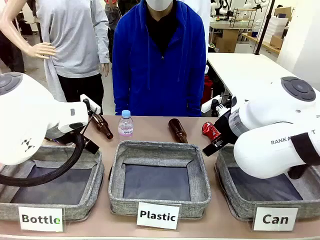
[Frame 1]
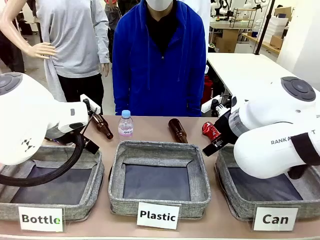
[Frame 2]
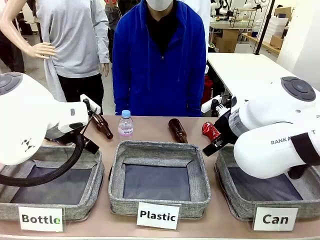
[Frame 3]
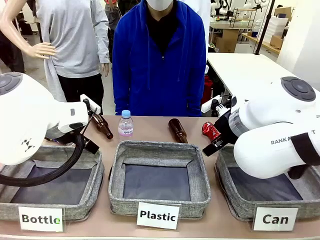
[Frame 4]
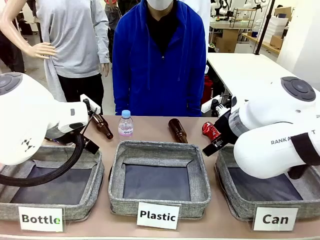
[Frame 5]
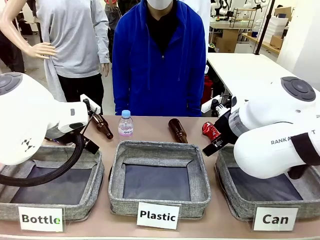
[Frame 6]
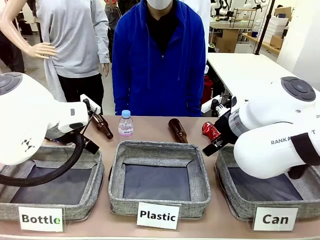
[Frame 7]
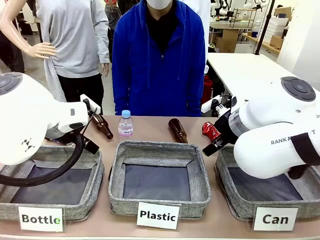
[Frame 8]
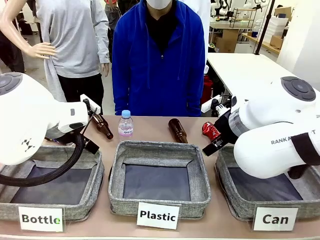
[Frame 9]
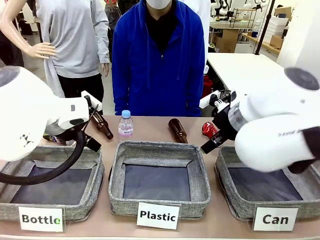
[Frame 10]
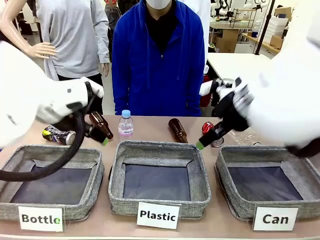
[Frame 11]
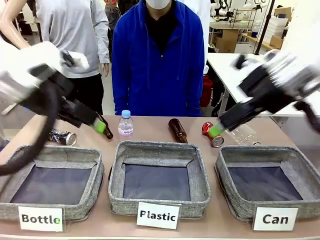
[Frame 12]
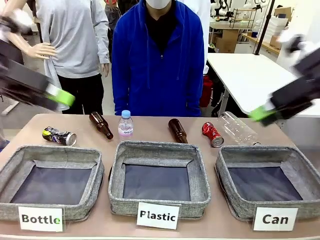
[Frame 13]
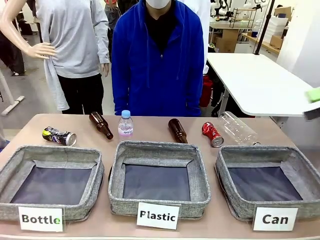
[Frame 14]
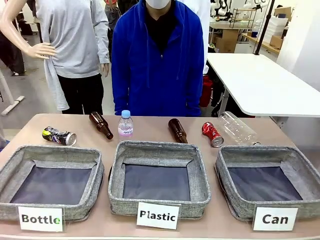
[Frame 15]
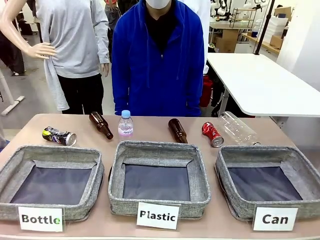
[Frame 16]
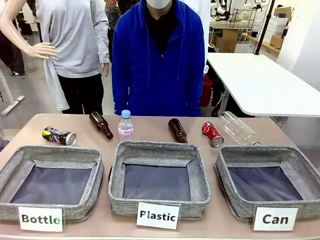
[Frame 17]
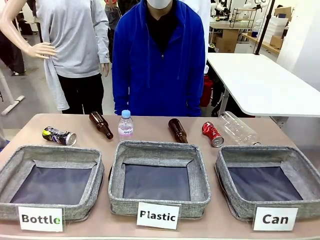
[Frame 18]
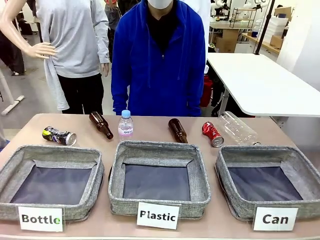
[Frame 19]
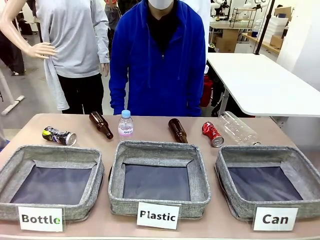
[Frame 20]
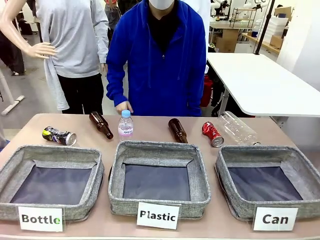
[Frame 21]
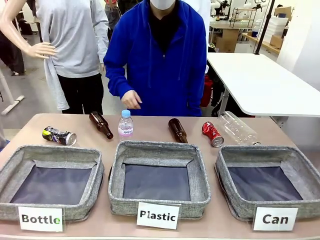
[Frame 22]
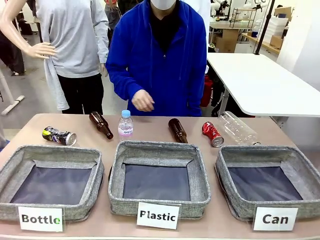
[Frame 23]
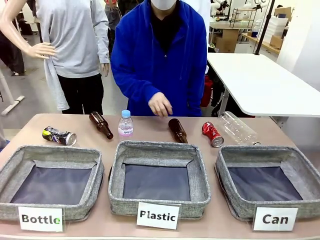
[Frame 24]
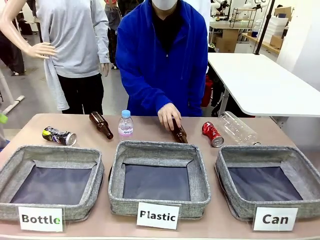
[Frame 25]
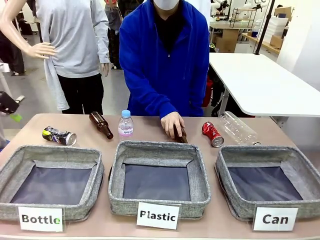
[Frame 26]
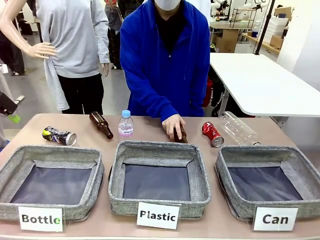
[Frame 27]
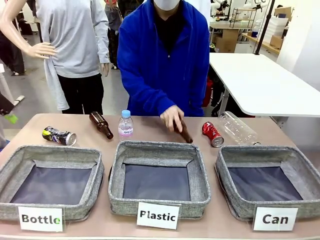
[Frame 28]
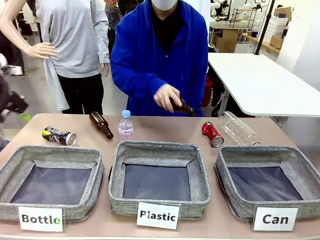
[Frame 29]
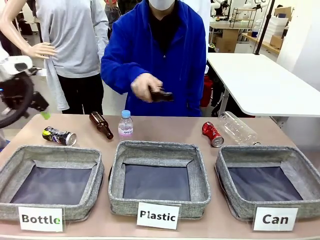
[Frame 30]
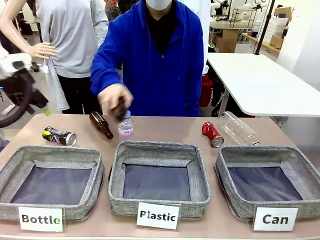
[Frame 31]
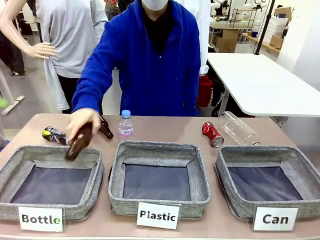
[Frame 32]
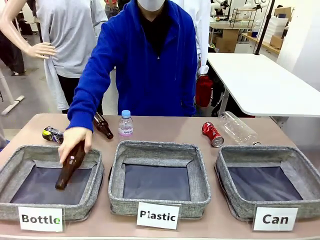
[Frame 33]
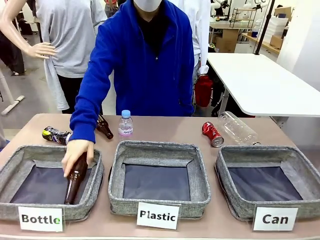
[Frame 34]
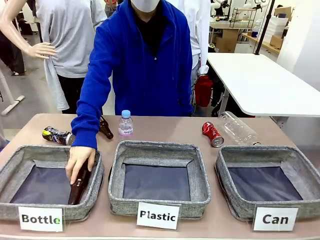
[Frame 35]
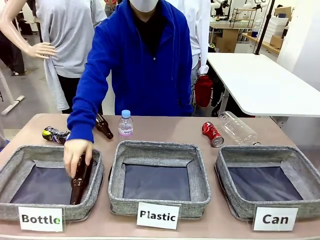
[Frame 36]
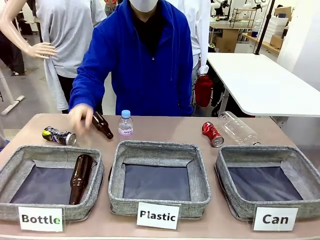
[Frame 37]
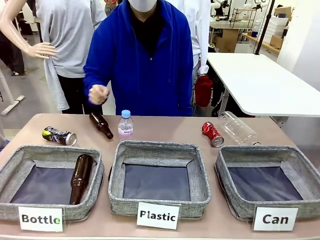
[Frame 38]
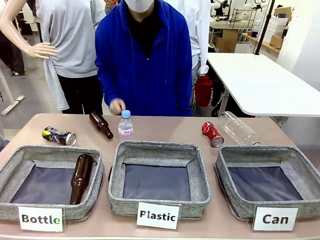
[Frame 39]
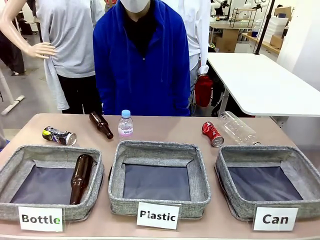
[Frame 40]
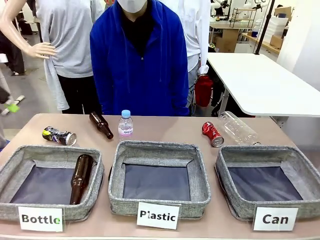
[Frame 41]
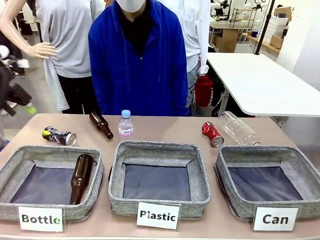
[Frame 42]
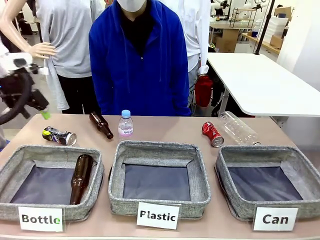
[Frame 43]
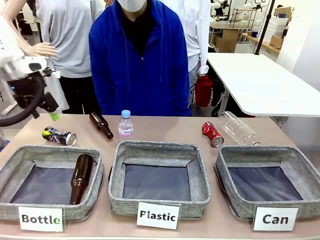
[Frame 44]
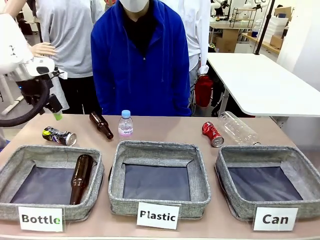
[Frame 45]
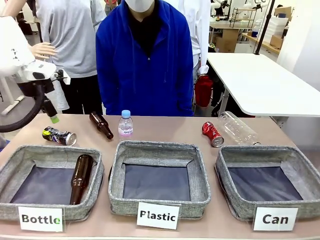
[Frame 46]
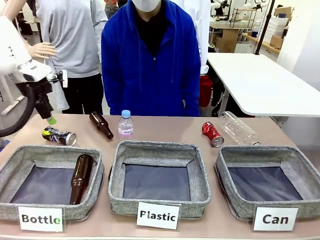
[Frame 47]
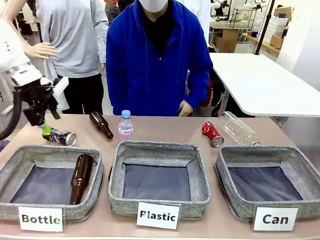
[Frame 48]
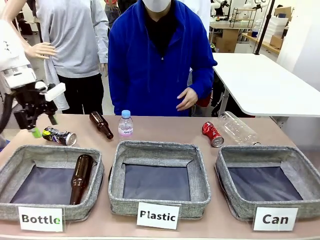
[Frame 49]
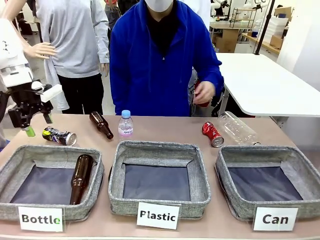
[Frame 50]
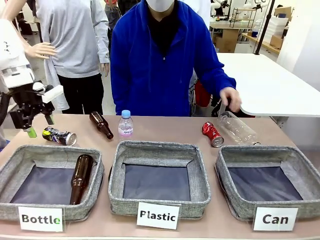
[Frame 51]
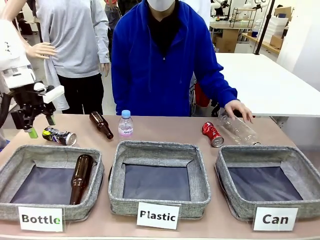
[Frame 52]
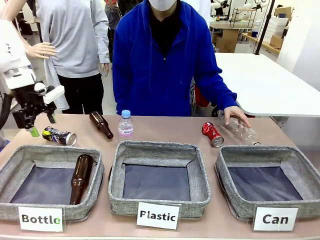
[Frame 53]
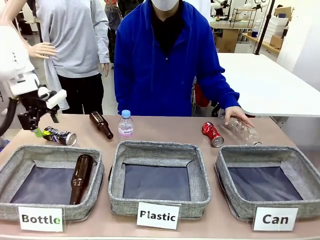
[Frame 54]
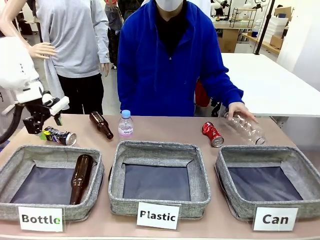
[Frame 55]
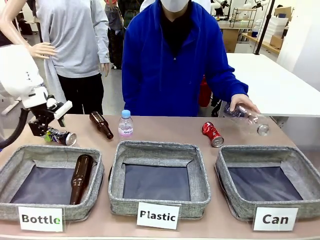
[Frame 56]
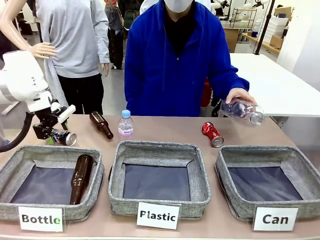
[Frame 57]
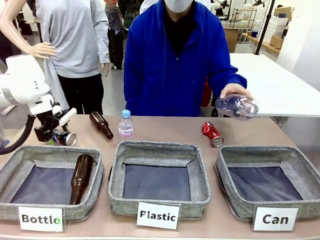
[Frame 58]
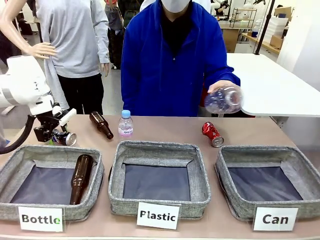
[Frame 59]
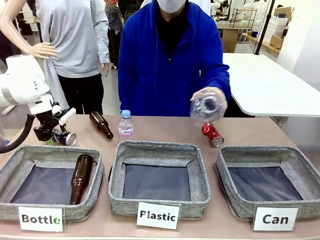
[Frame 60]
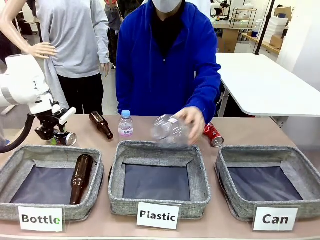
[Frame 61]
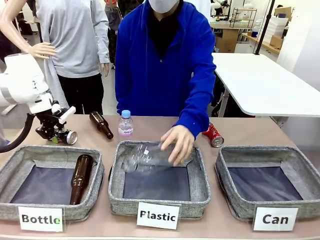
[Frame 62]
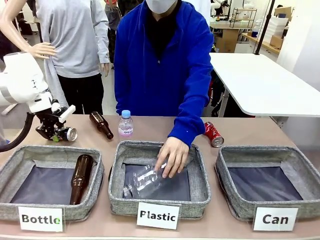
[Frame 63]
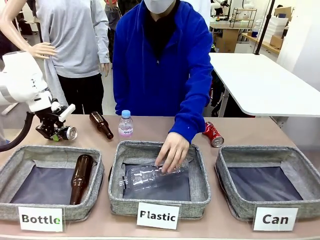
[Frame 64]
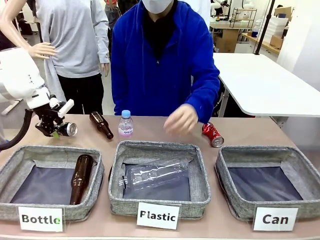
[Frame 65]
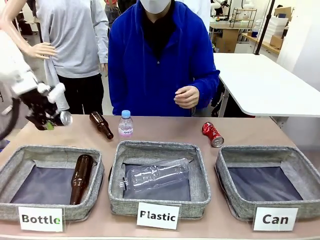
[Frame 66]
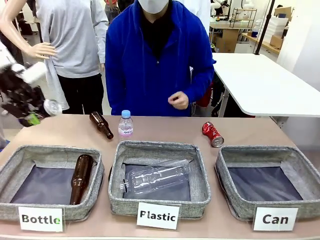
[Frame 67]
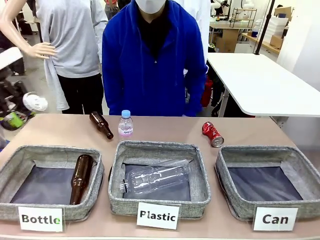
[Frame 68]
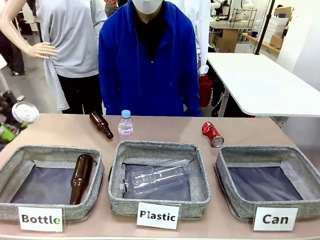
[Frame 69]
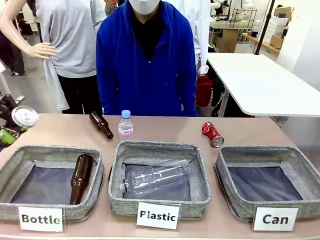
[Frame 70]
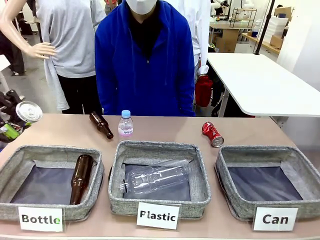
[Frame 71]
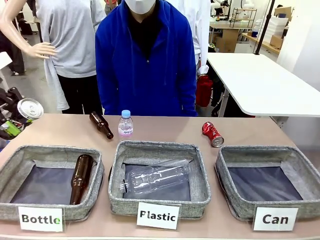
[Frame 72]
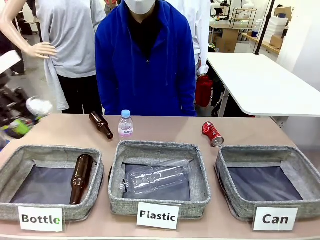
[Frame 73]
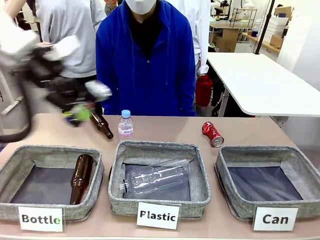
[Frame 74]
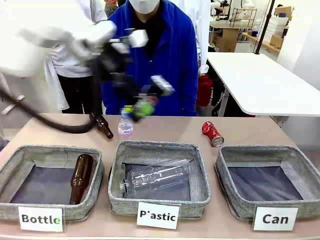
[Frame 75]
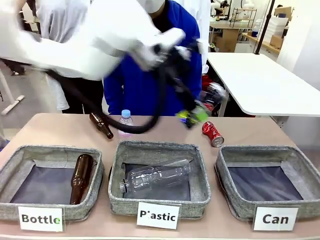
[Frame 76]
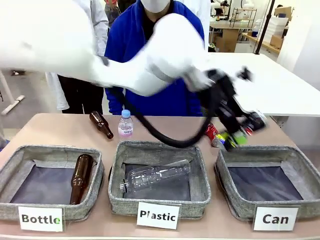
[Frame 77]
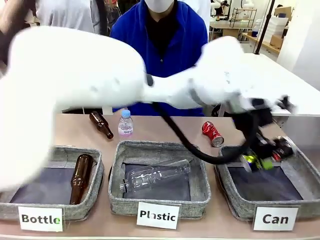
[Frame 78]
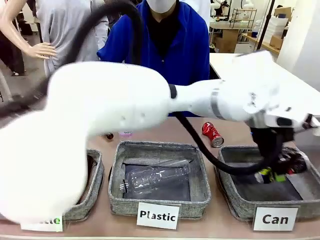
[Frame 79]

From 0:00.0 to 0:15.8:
Task: Sort the can waste into the basket.
Robot: Pick up the can waste from the table and place it in the right Fabric basket.
